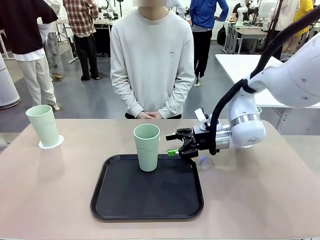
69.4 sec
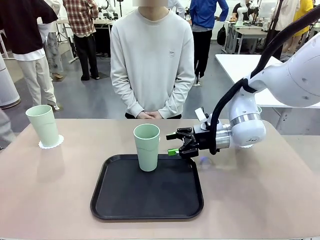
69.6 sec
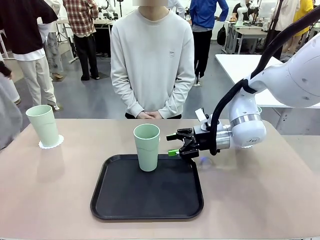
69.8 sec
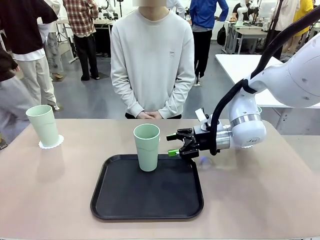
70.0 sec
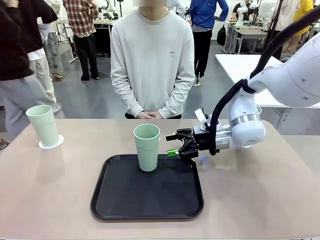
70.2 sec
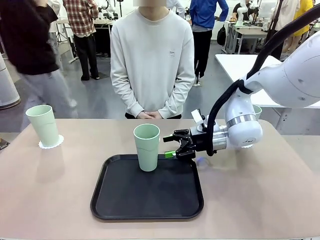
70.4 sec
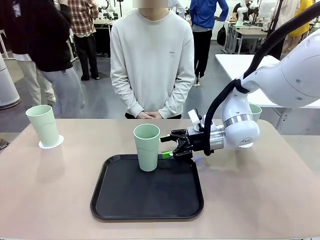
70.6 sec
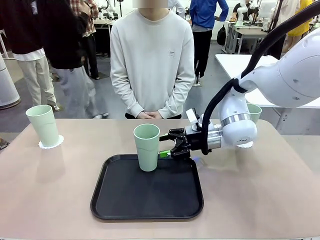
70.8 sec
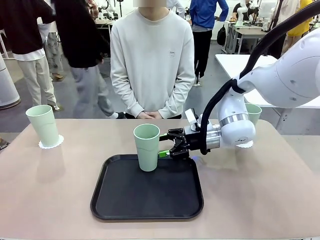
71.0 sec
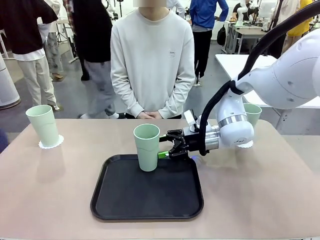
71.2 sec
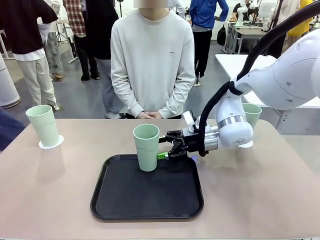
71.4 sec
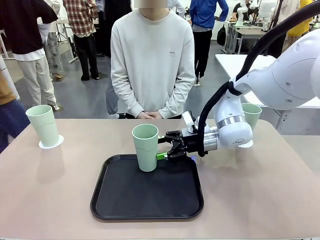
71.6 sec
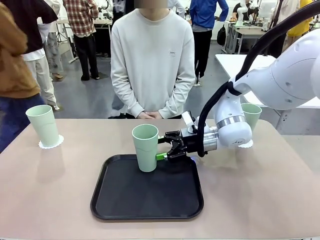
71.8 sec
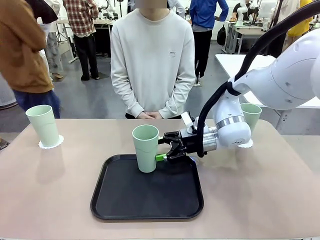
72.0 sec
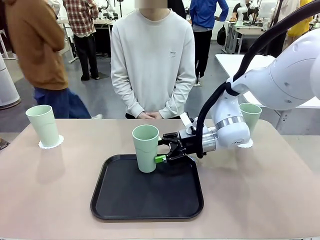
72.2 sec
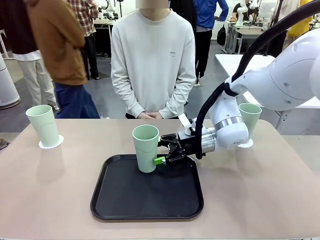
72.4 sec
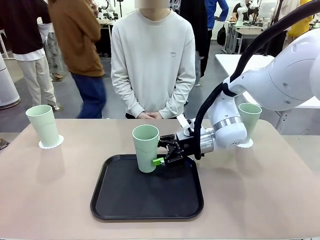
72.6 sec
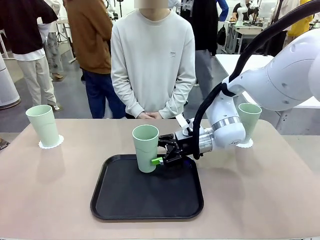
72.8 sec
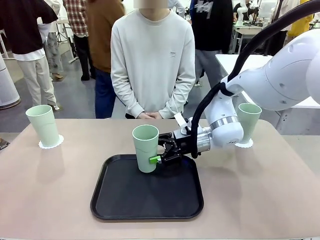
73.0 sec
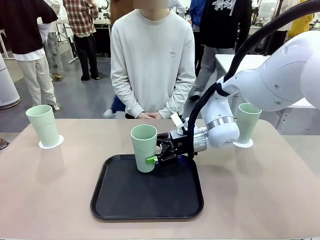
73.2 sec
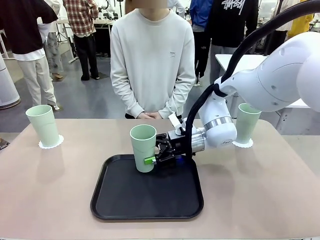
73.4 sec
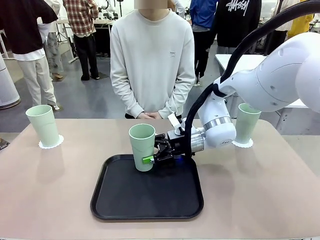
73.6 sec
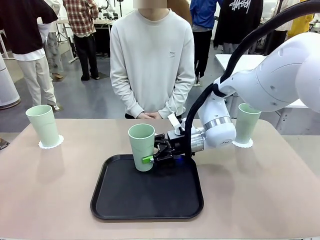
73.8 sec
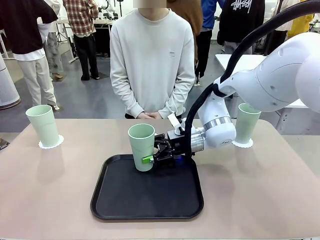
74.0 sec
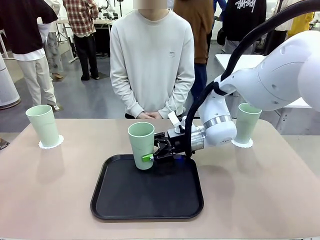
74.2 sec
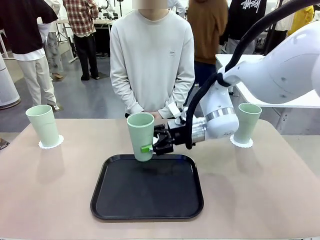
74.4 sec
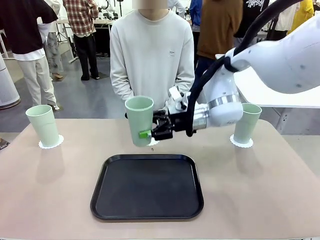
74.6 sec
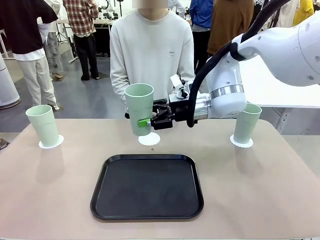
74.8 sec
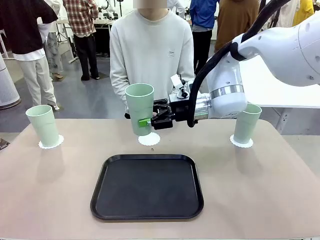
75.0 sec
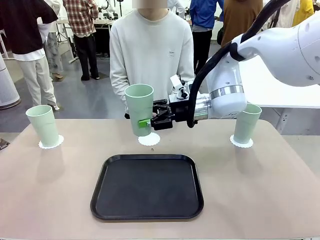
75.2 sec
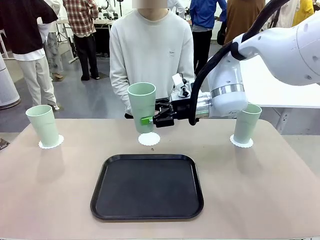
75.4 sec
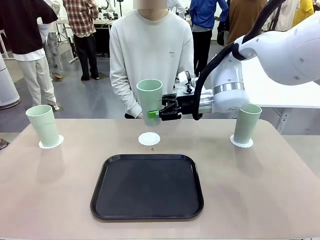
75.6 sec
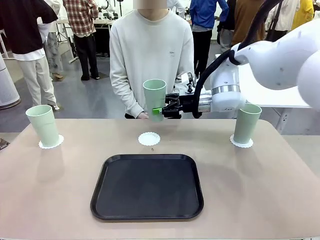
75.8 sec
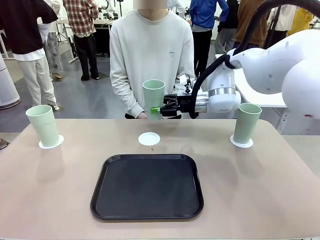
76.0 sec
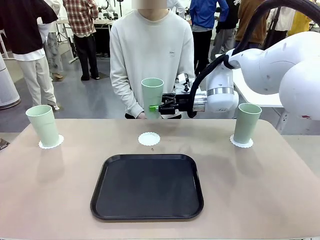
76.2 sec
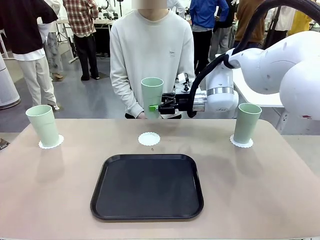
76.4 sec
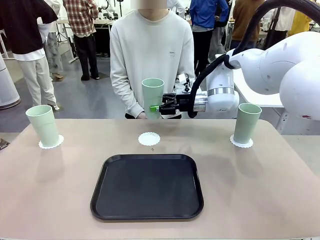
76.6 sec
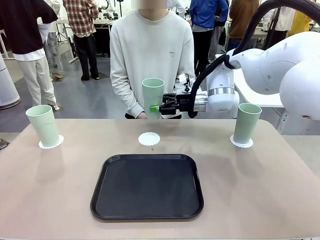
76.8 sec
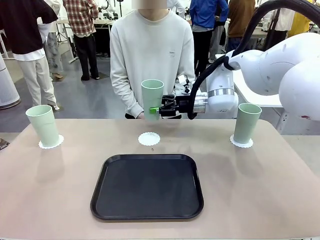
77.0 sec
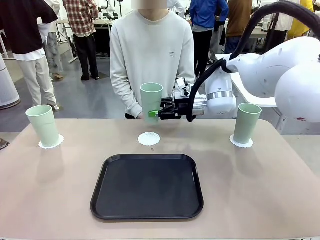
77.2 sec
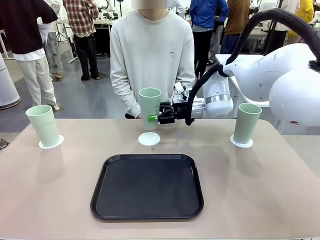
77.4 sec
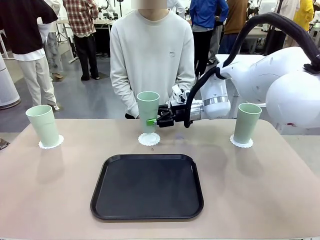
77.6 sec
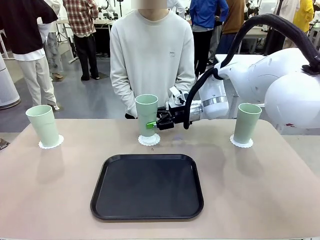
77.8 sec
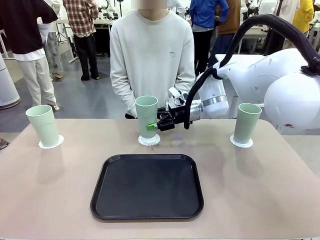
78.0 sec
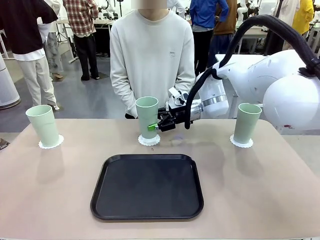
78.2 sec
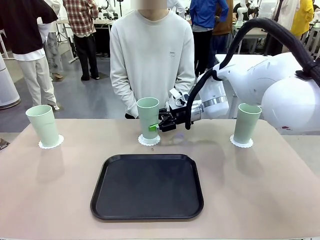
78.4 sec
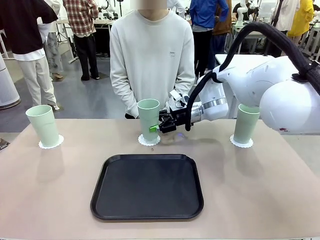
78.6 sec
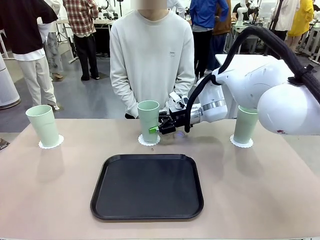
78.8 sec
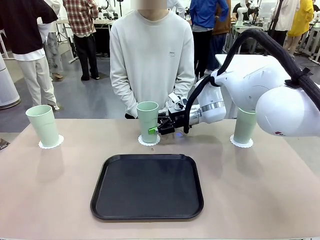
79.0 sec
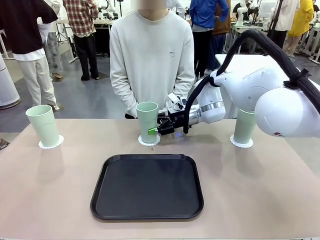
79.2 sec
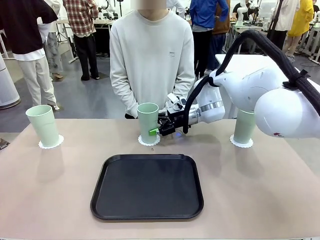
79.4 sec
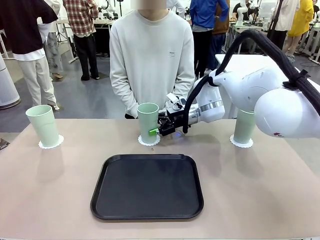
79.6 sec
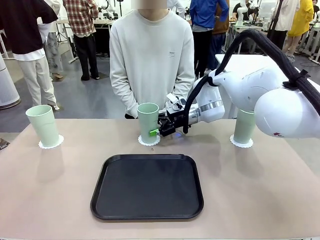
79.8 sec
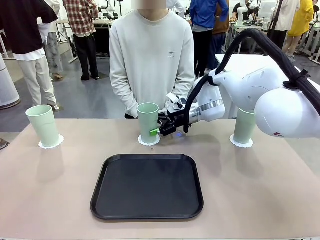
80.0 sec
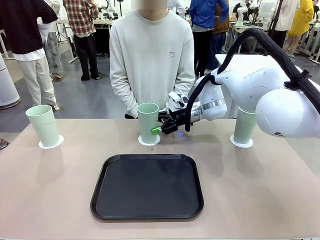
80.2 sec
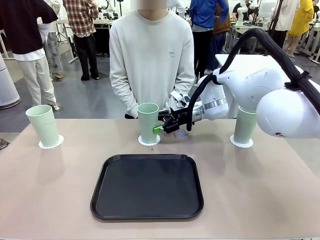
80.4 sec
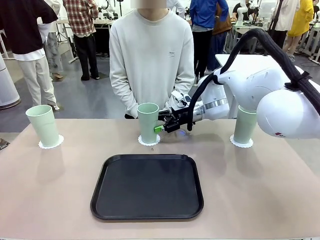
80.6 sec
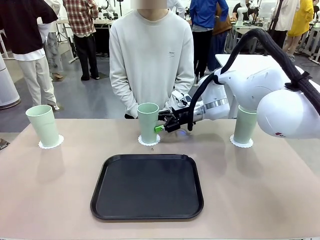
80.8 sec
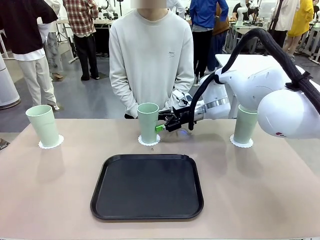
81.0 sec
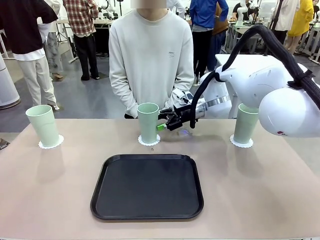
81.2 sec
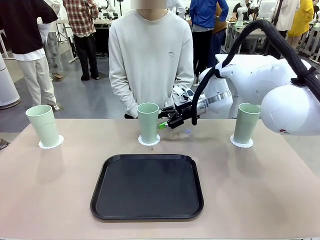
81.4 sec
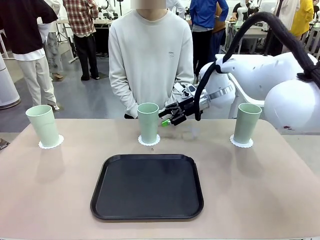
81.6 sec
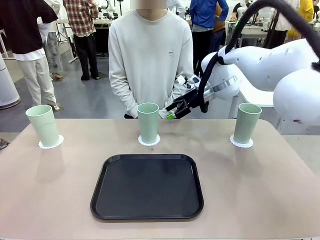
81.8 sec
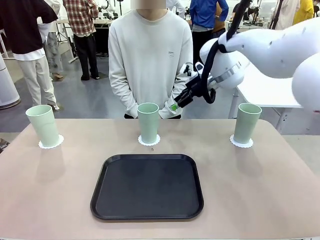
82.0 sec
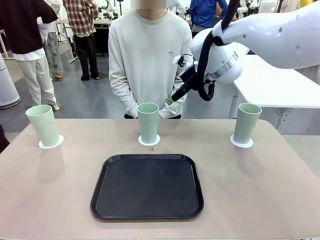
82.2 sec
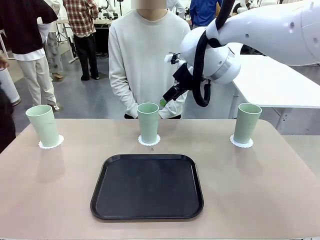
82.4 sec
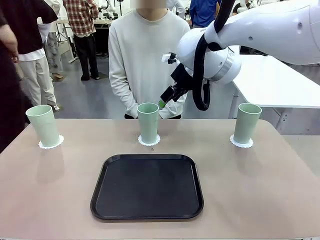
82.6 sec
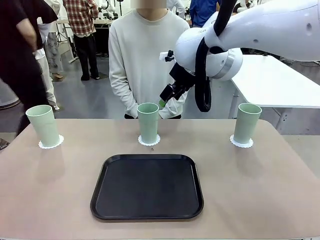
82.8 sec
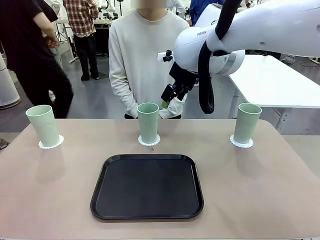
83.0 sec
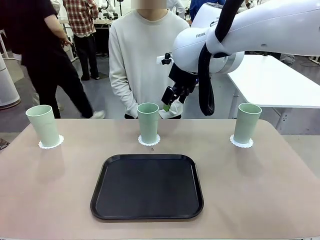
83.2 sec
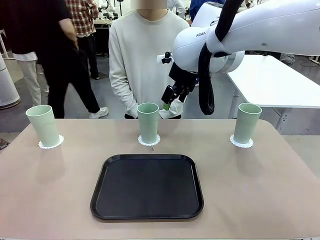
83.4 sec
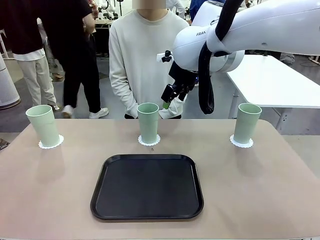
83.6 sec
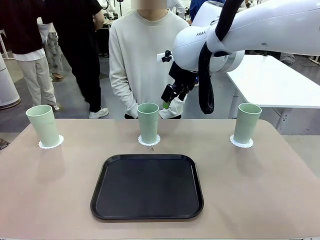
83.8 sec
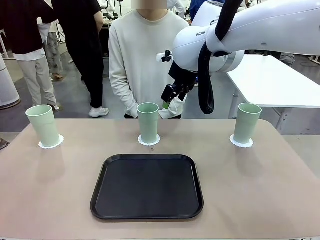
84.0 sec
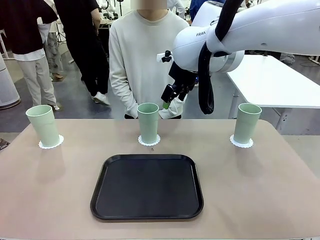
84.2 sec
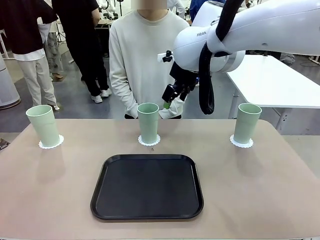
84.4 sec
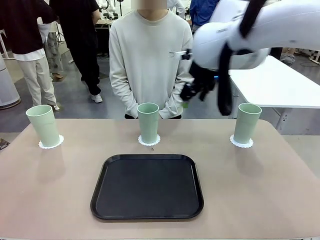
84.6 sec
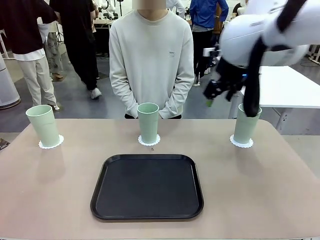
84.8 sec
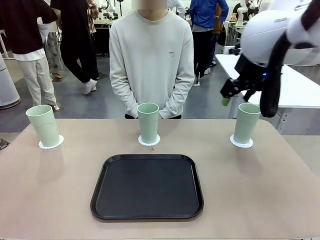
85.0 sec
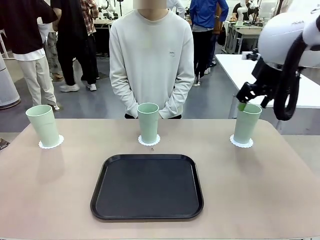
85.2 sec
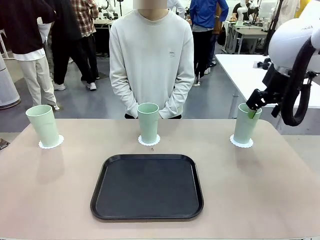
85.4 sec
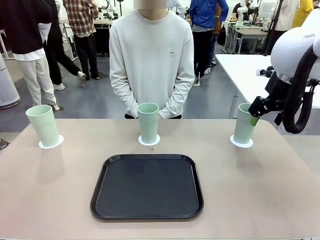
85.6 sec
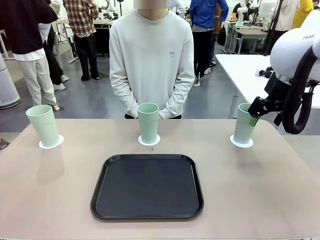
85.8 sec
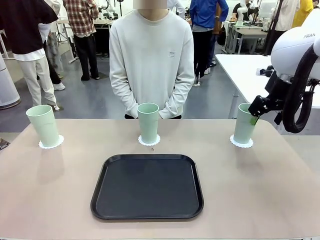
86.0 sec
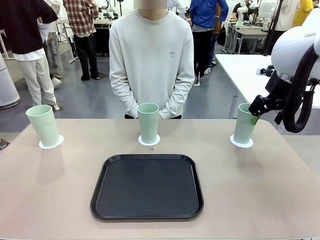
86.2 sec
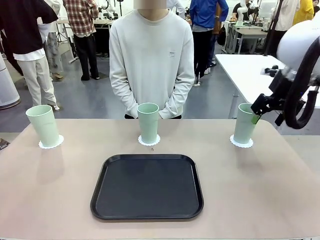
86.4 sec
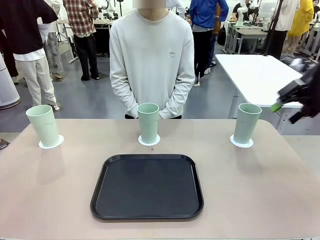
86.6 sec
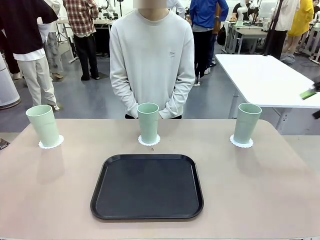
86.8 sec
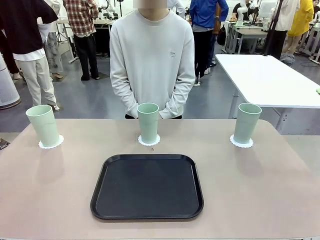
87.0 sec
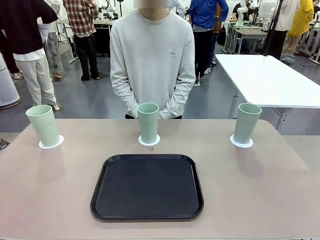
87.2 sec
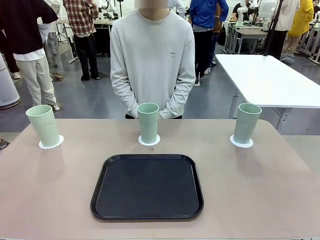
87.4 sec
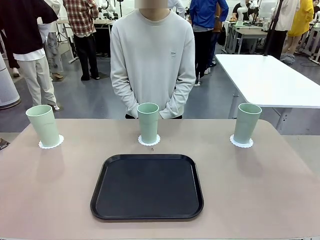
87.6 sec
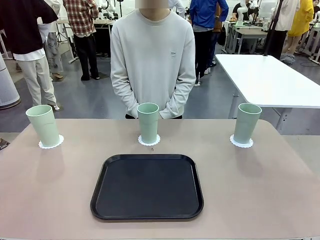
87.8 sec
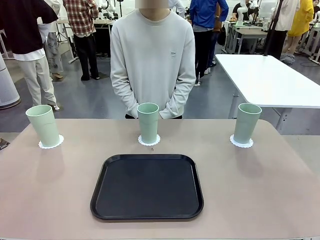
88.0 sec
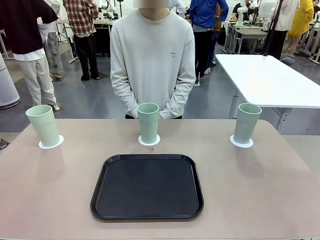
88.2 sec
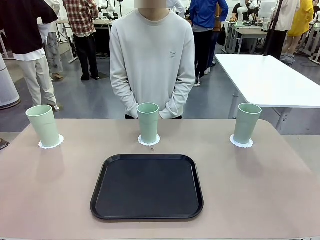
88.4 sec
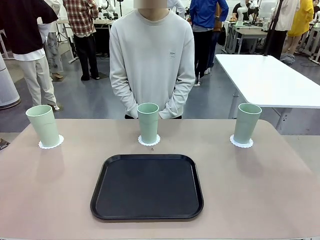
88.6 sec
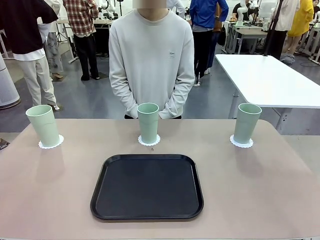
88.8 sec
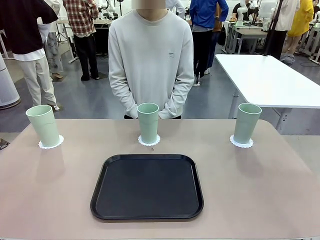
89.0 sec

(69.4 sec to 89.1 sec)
Task: Place coasters on the table and set cups on them.
Robot: Take one Reusable plastic cup from the Flat Tray and place it on a coaster set by the human.
